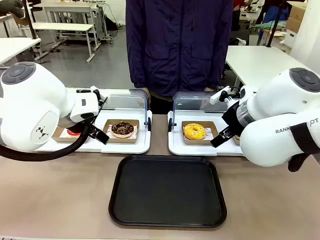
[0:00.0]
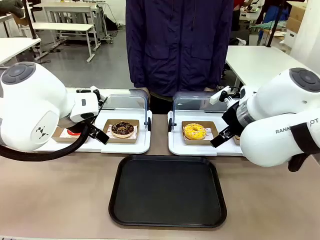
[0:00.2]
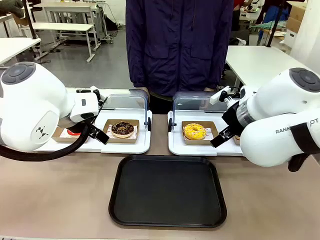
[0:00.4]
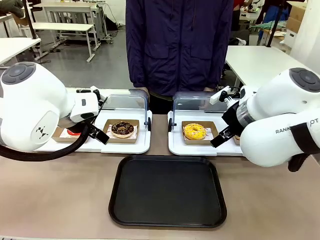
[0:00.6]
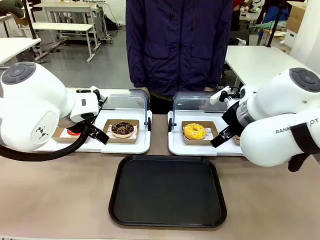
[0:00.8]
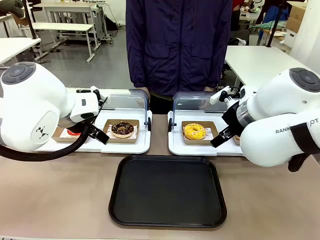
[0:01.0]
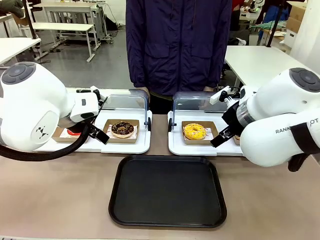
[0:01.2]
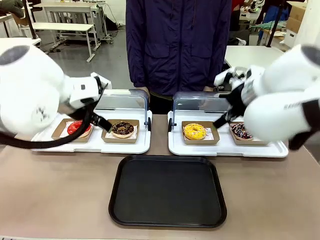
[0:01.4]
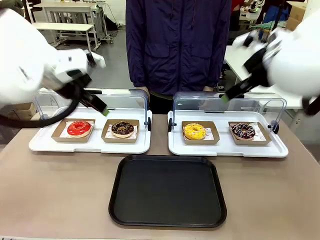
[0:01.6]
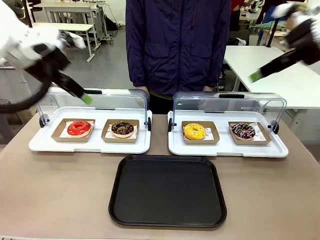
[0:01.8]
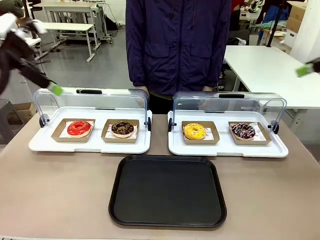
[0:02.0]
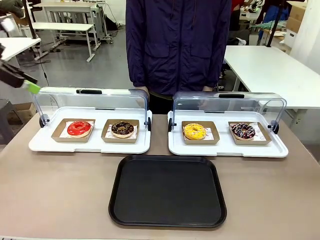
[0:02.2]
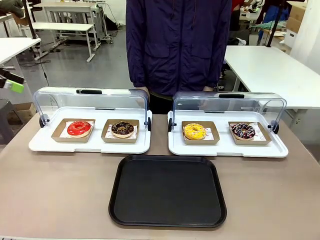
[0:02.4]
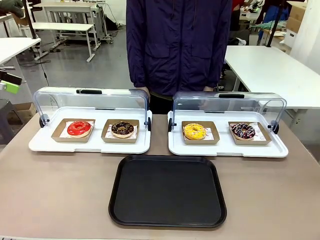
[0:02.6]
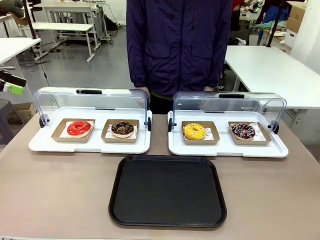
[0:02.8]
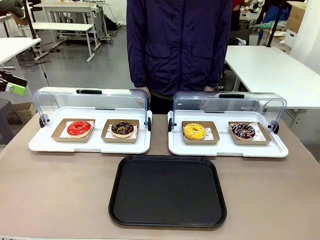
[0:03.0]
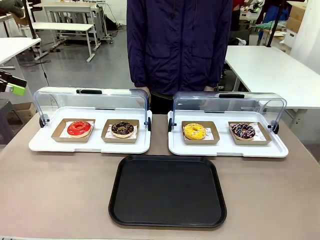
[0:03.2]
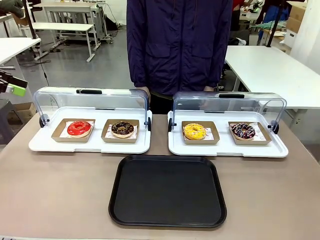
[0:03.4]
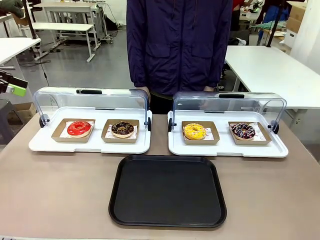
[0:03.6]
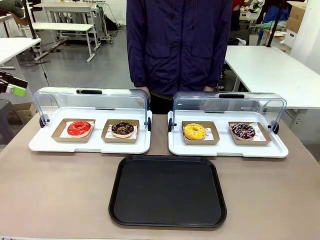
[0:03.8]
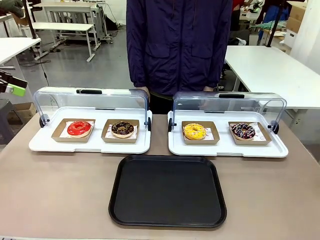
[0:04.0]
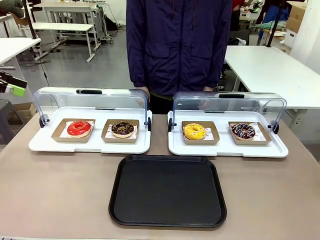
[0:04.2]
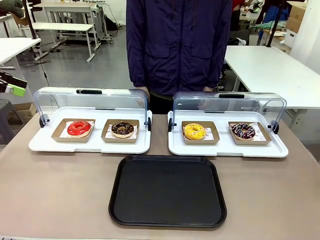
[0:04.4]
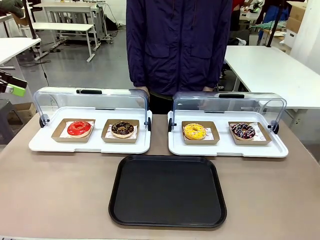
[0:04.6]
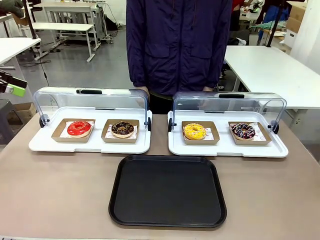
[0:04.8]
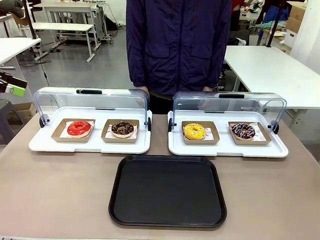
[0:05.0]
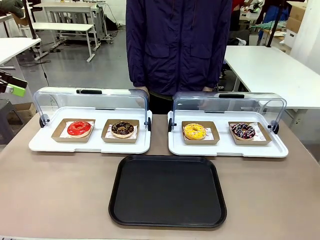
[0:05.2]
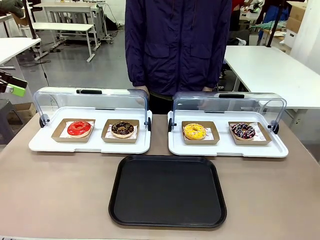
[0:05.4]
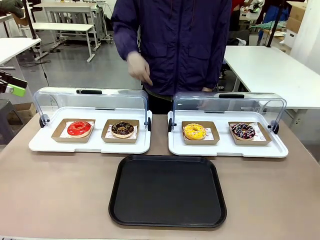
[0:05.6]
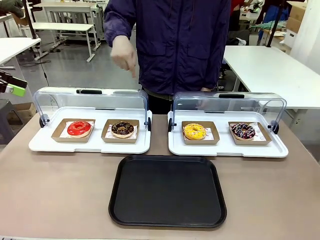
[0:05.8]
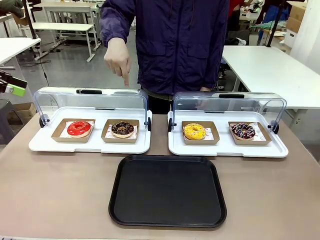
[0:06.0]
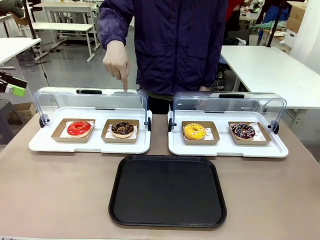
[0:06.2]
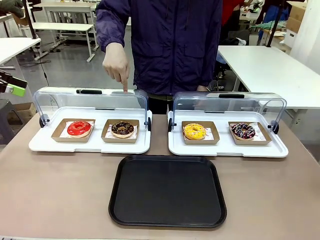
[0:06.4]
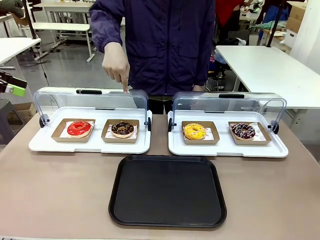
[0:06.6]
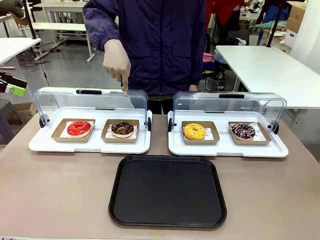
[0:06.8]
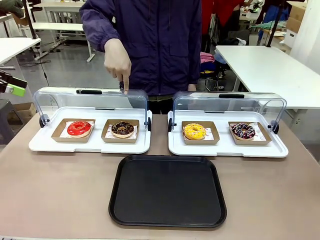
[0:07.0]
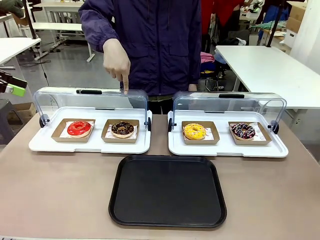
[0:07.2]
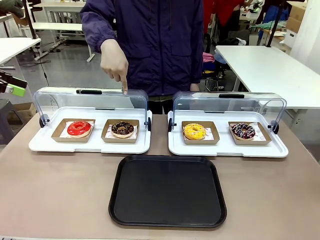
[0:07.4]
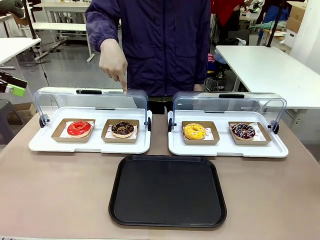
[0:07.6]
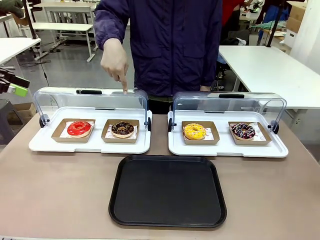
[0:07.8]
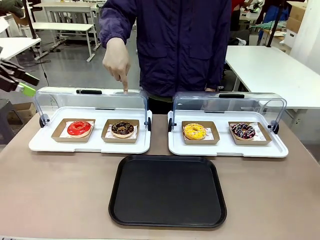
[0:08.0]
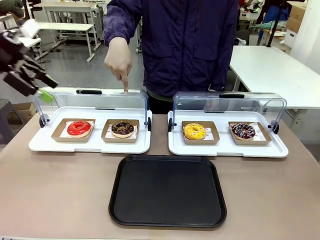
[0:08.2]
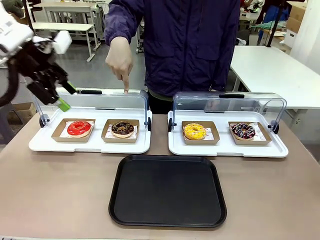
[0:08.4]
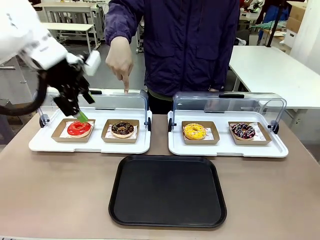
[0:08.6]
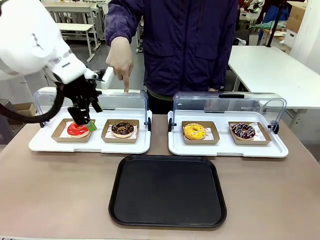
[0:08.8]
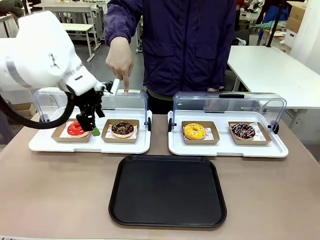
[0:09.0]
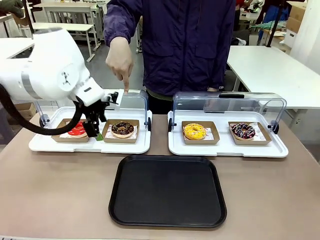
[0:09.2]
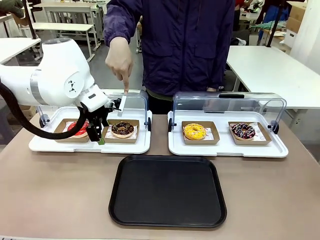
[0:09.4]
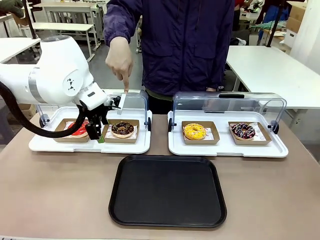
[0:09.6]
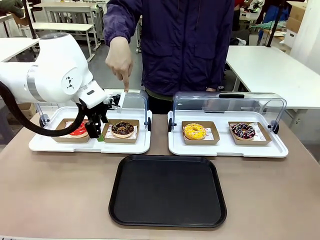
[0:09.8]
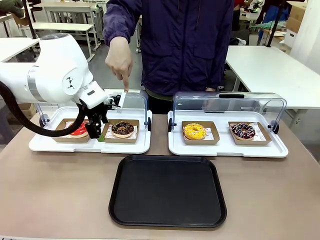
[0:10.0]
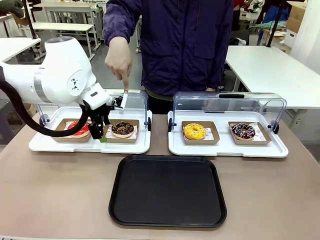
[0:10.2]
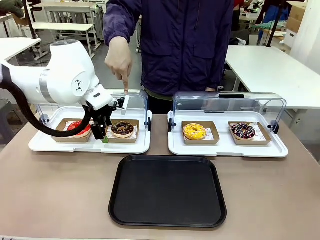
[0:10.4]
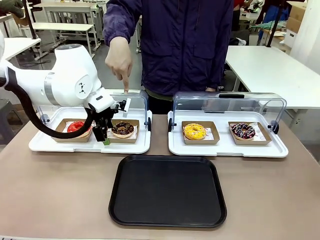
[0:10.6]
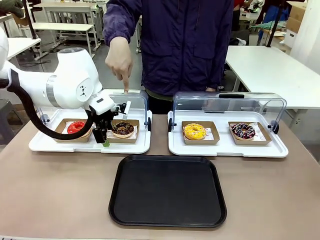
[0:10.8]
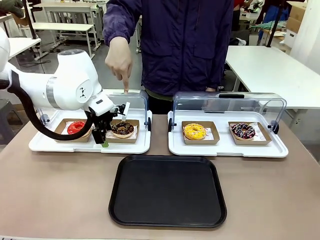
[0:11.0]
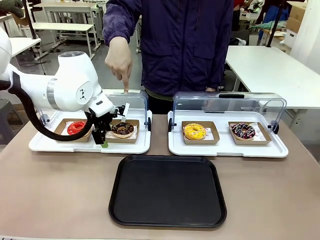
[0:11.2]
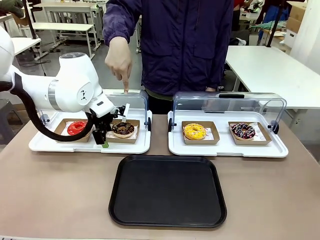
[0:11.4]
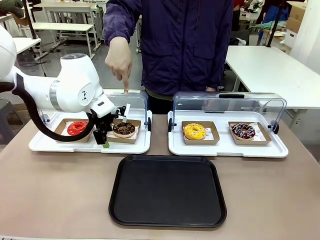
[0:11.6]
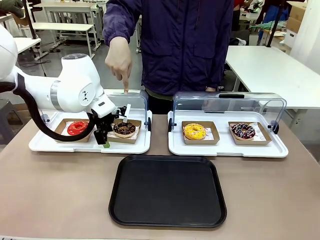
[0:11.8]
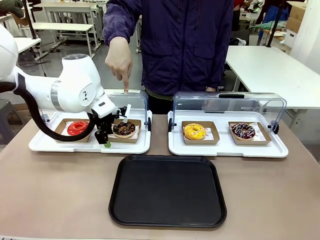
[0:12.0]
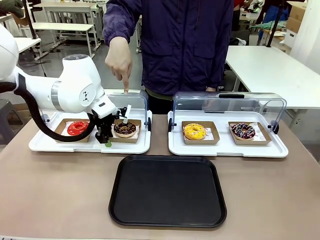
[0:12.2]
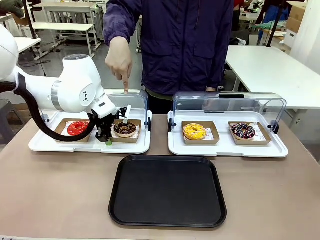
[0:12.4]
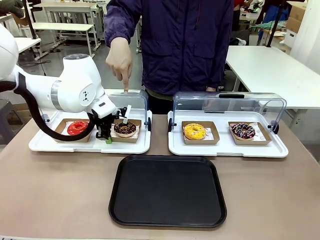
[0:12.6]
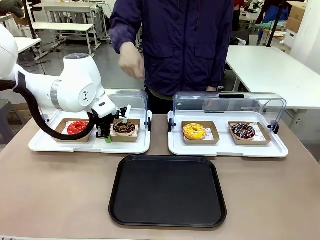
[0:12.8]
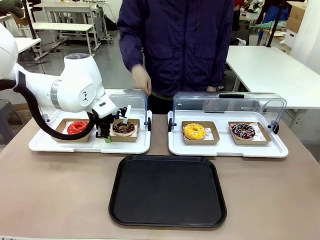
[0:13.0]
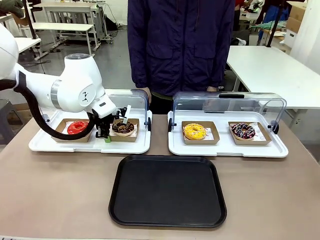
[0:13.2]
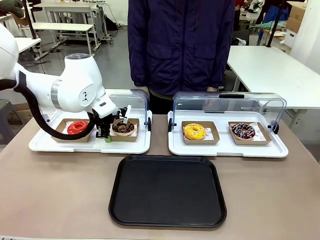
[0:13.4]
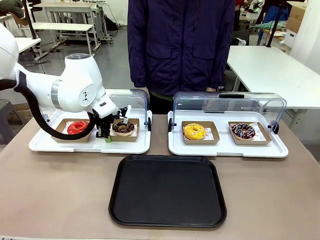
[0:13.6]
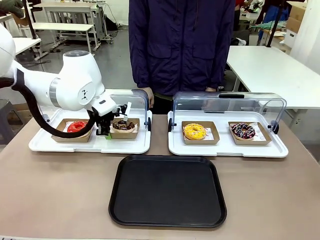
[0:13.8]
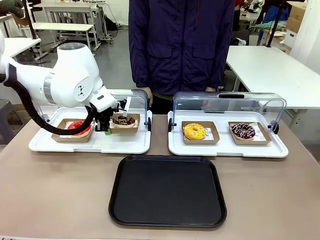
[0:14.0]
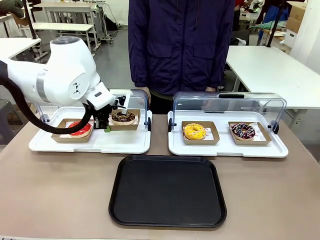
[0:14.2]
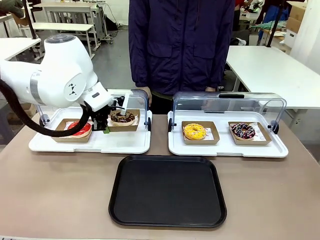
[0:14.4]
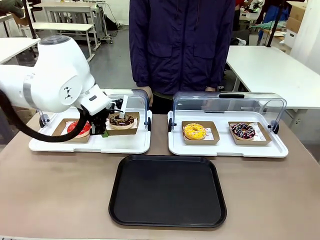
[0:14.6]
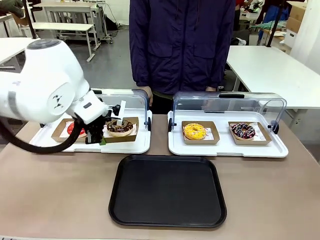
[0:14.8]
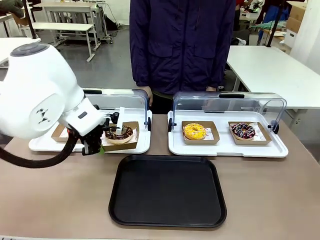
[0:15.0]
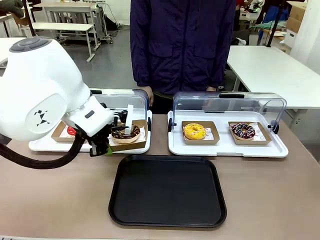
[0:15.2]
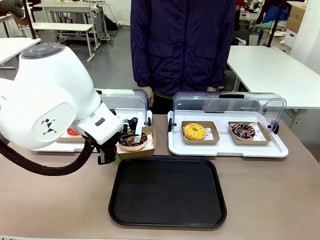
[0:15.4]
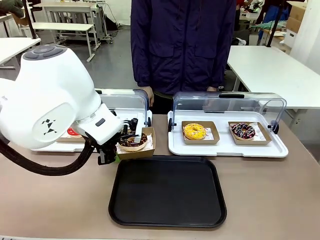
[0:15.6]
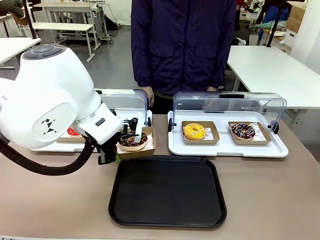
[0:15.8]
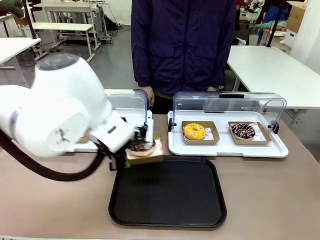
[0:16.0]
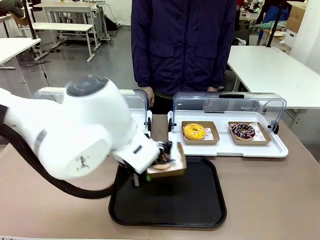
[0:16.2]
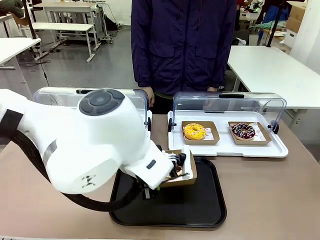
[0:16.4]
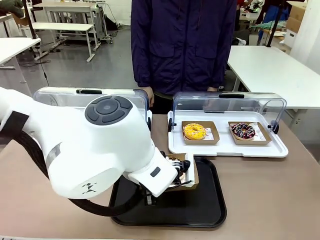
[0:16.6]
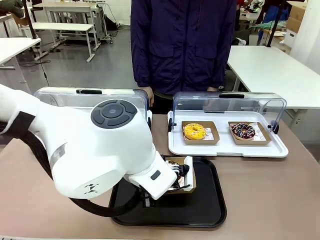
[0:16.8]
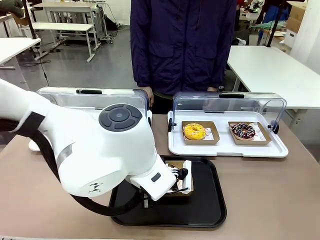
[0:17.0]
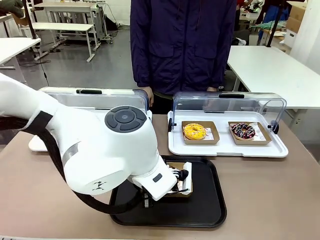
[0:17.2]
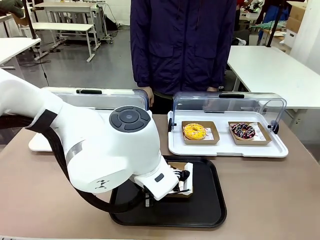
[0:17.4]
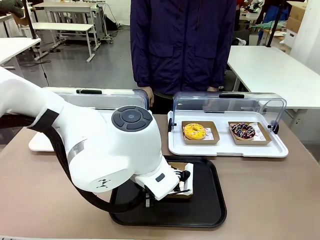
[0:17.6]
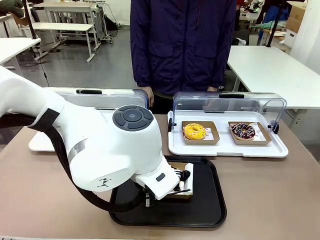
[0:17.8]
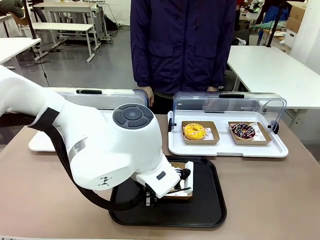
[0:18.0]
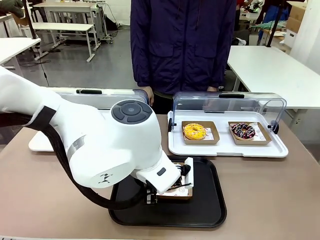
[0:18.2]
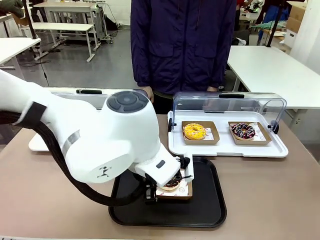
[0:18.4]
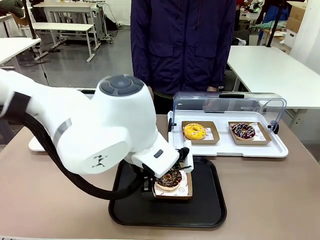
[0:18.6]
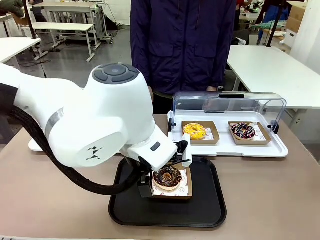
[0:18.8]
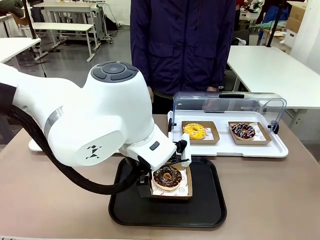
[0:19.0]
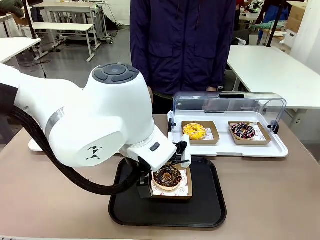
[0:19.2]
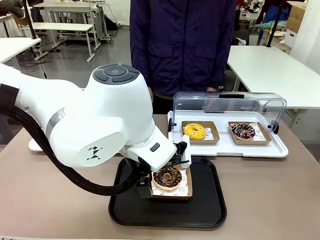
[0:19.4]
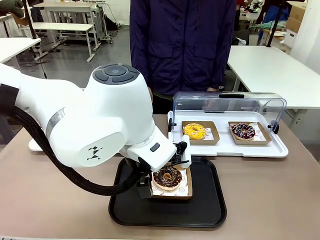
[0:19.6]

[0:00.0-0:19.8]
Task: Move the second donut from the left to the tray.
Robot: Pick up the Paper togo box containing the Donut indicated by the person and place it on the Handle tray.
Person: Points to the second donut from the left from the robot’s perspective.
